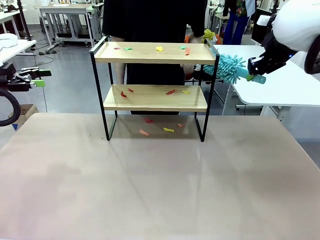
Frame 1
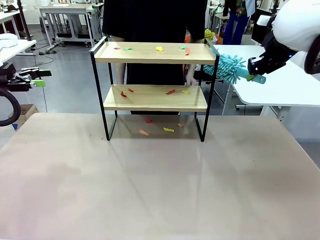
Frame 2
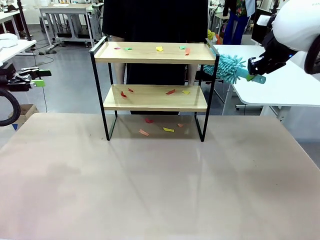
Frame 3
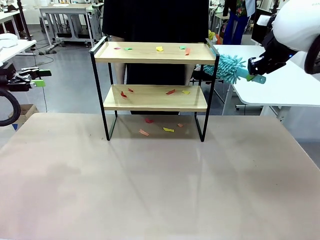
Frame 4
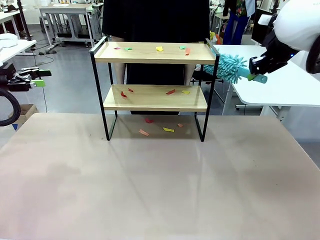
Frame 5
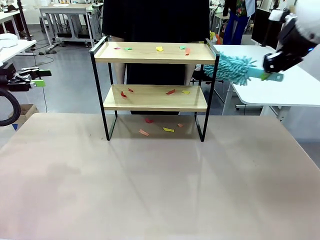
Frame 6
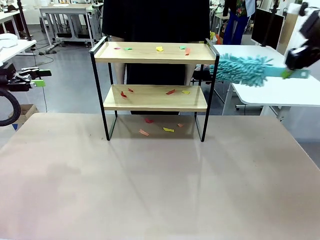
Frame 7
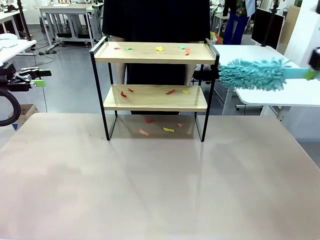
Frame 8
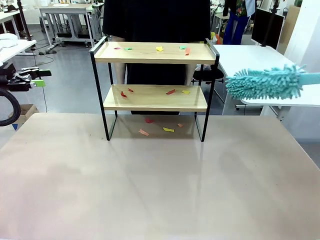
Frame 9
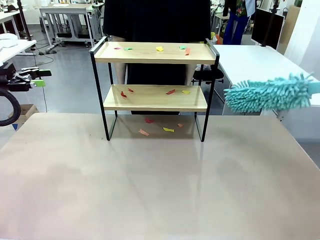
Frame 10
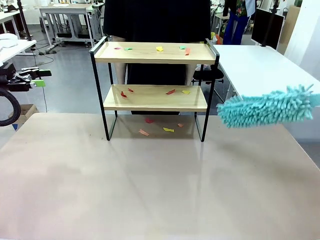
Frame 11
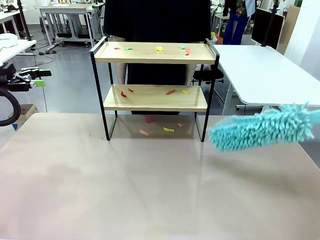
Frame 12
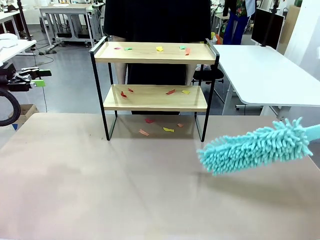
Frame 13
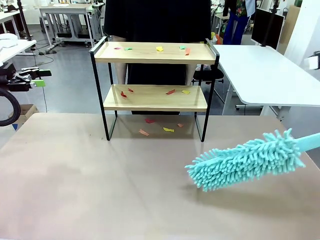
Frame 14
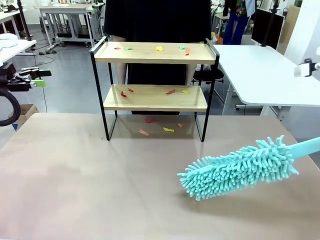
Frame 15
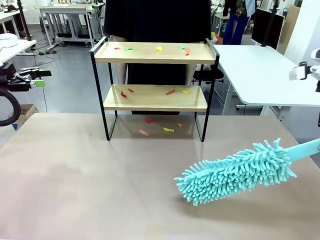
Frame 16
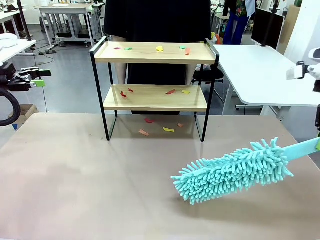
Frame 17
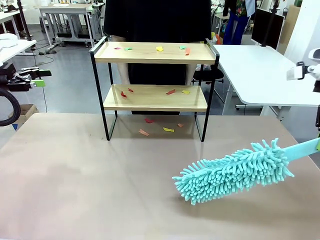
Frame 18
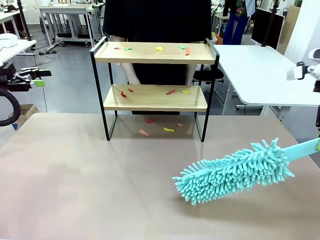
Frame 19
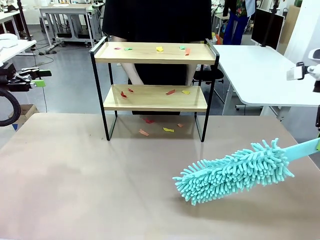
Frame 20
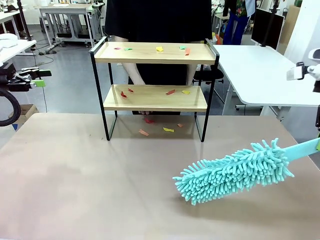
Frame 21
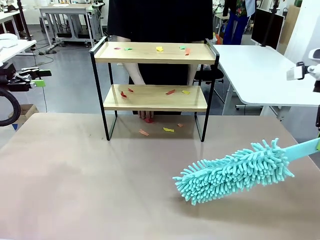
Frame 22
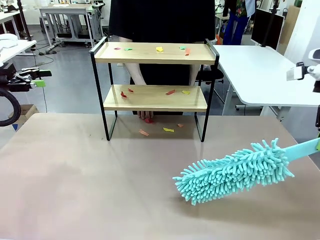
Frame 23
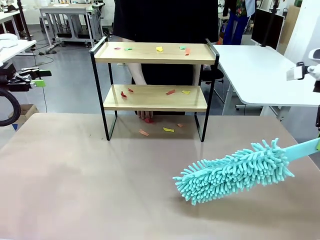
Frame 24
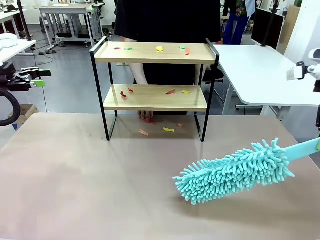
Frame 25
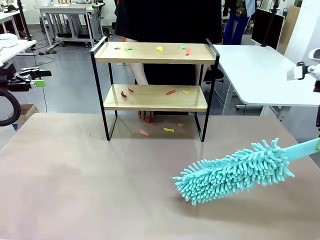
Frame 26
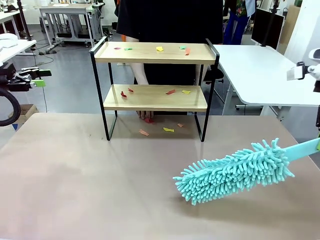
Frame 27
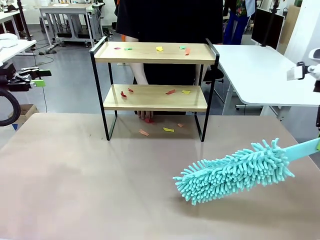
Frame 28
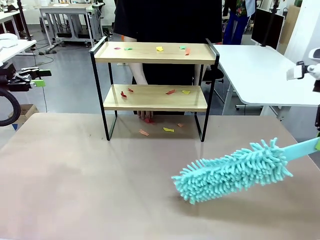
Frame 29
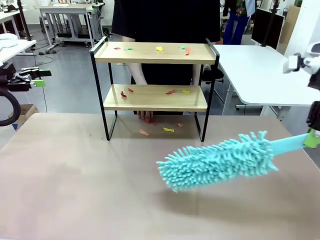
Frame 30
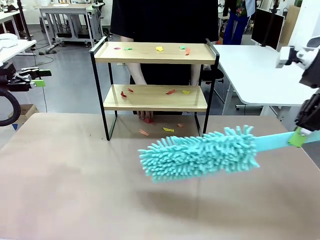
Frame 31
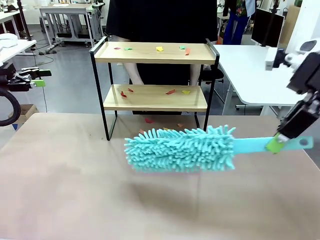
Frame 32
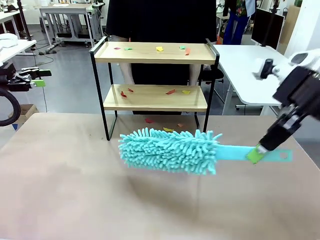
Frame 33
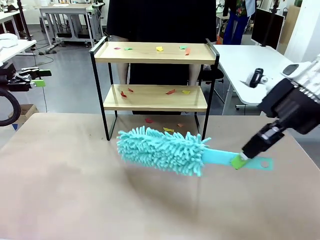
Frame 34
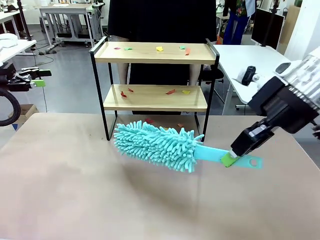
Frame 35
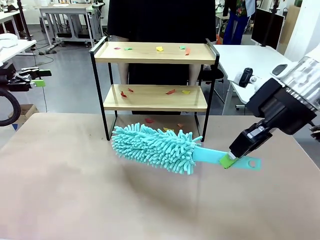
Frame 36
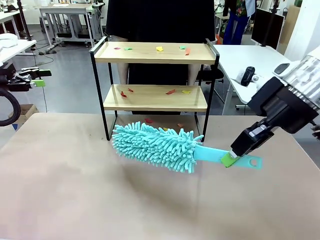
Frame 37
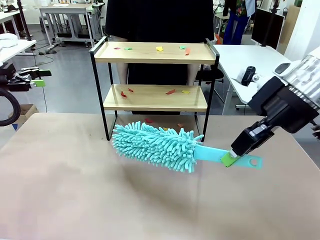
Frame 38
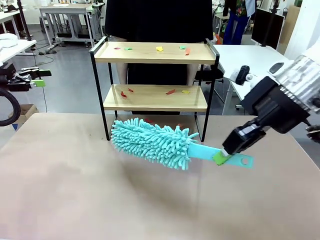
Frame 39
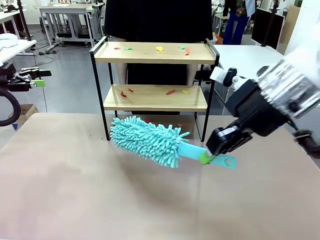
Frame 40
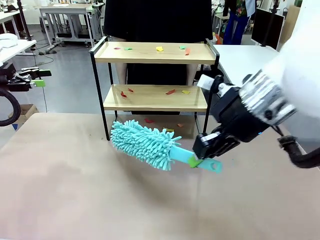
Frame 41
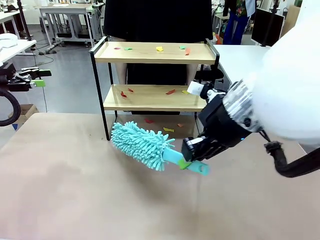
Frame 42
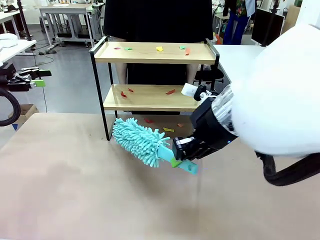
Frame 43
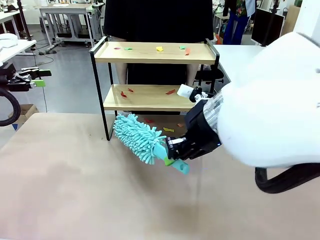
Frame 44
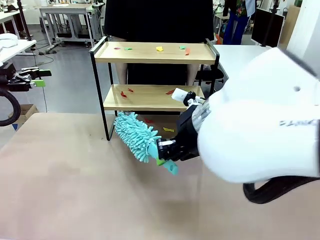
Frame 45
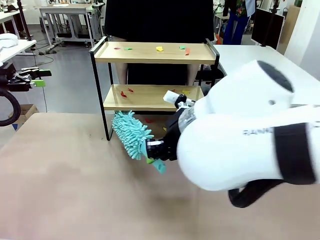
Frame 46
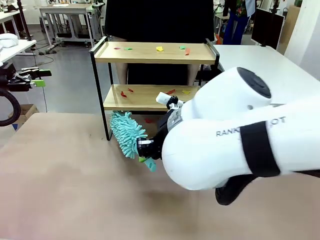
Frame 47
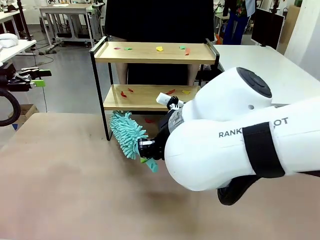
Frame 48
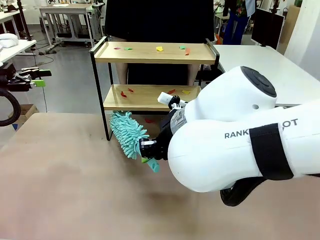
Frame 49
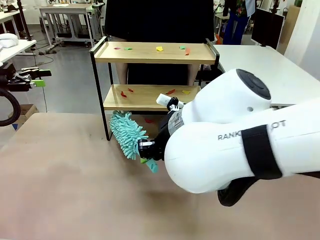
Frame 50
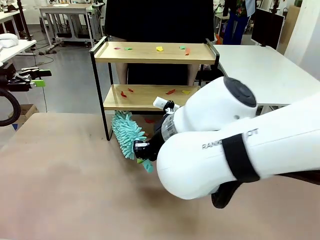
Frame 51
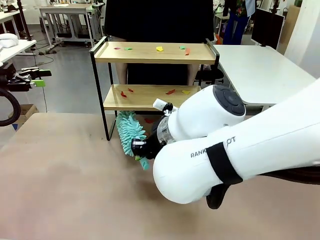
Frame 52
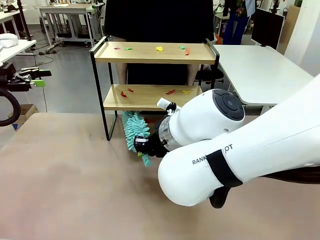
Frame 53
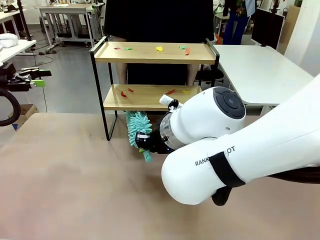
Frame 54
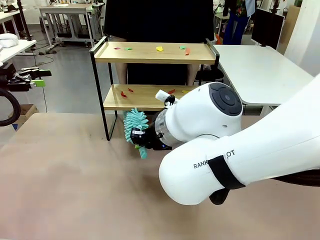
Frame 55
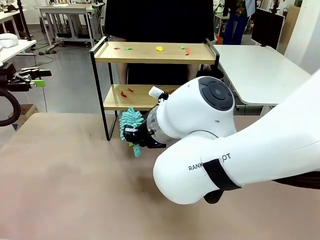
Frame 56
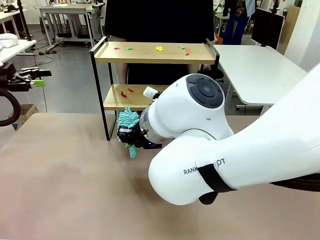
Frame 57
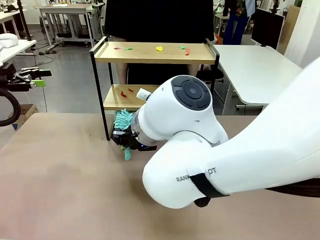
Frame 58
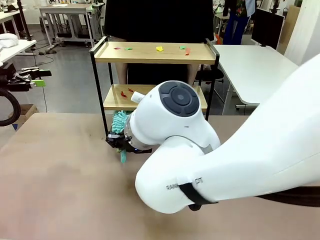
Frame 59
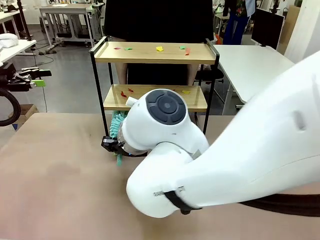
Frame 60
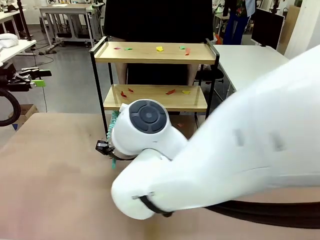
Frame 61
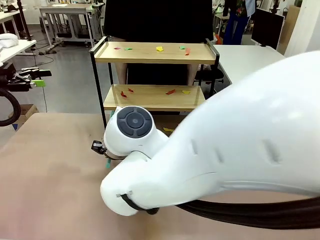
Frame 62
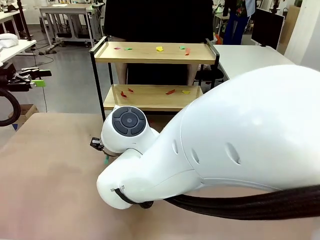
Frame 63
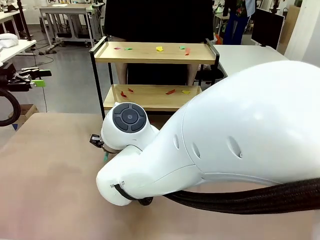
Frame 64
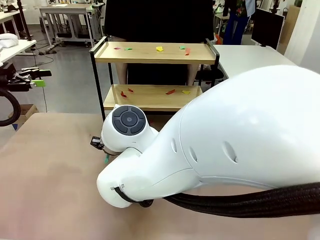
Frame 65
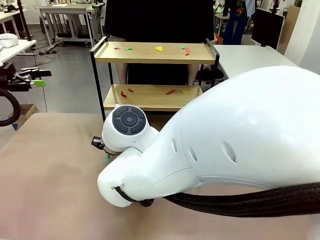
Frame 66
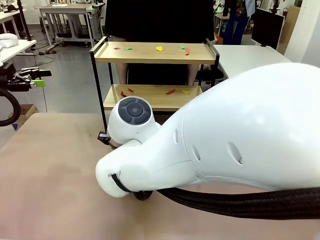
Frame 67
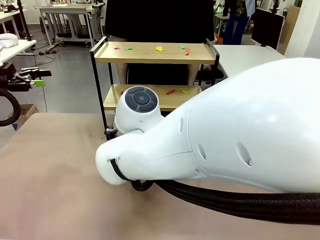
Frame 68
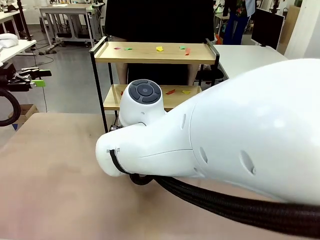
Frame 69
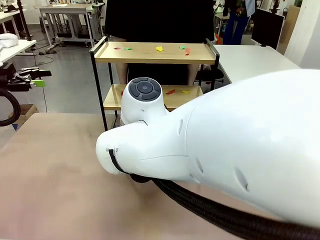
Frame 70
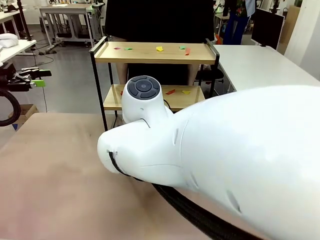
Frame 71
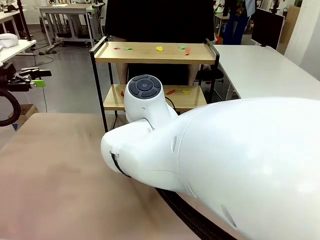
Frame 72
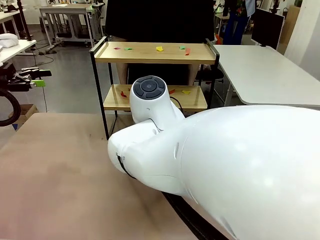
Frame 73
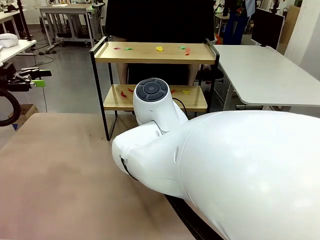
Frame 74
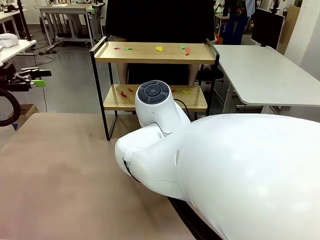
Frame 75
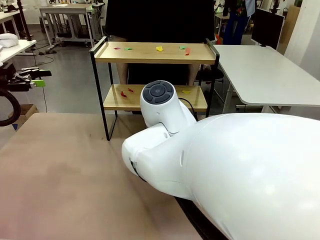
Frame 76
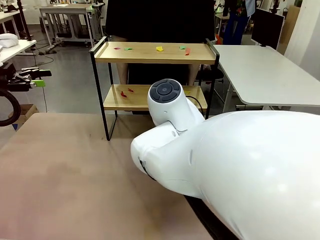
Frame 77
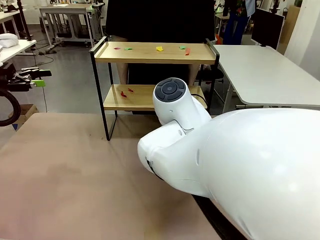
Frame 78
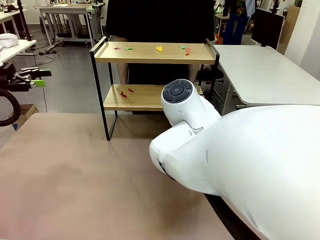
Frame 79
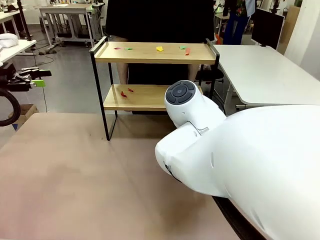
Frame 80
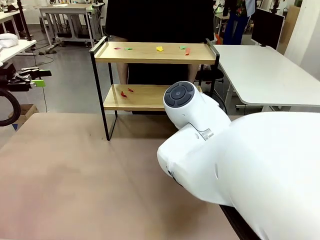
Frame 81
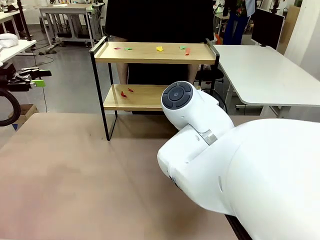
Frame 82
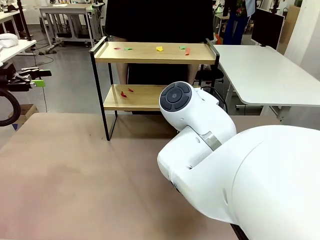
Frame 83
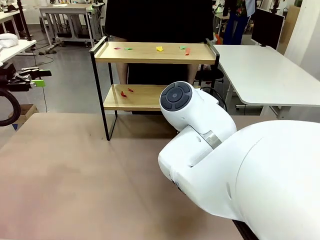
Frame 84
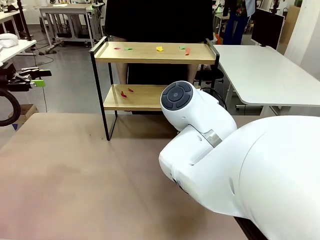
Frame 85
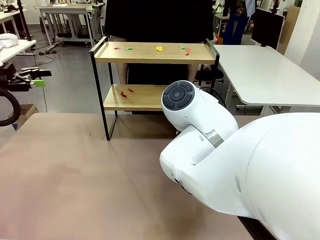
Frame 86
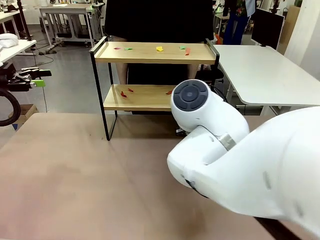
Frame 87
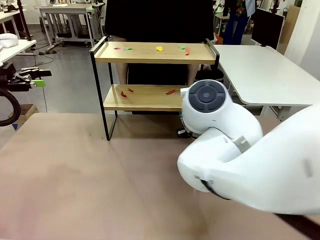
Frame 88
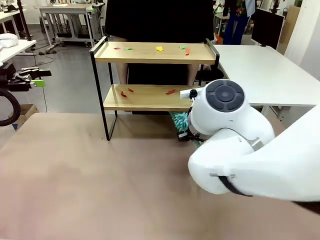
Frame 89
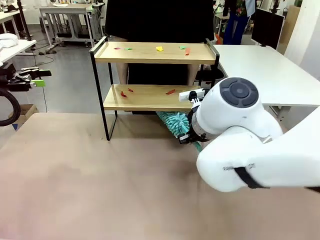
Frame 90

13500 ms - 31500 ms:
Task: Clean the shelf.
Robot: Clean the specific section of the Shelf indicated by the human with the Duster.
Person: Point a random section of the Shelf.

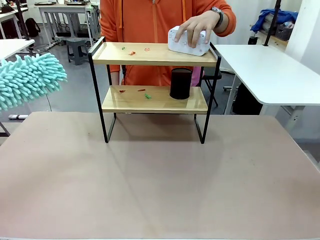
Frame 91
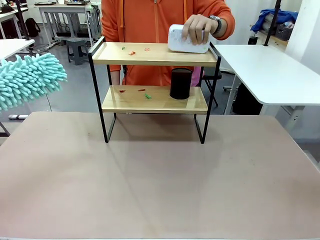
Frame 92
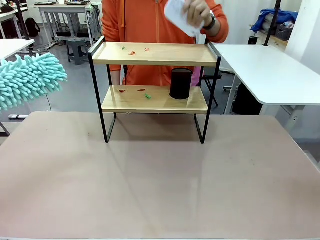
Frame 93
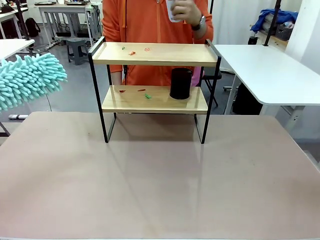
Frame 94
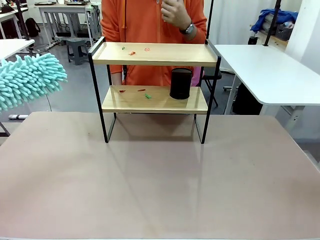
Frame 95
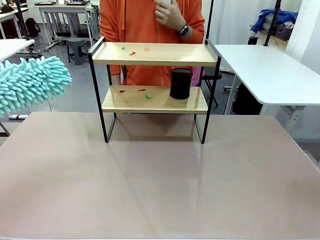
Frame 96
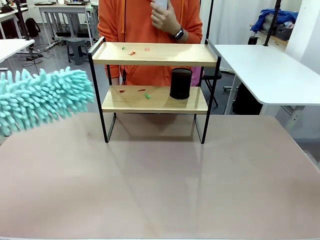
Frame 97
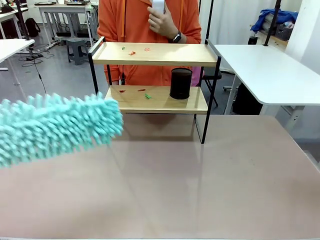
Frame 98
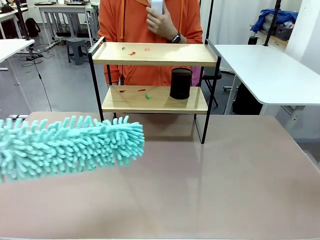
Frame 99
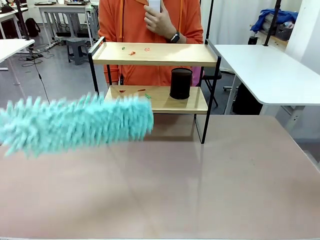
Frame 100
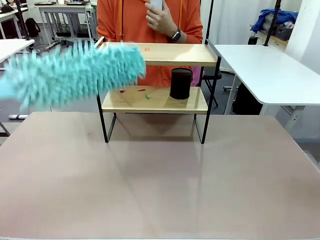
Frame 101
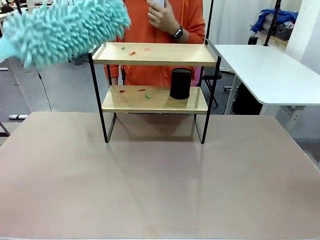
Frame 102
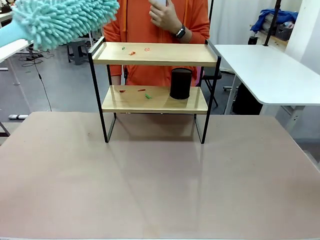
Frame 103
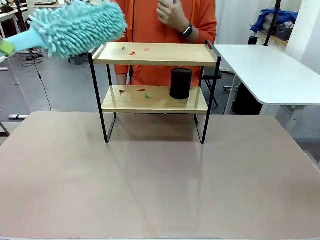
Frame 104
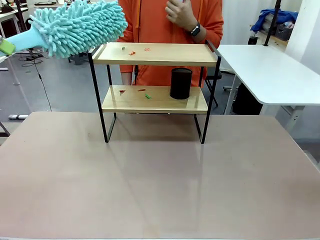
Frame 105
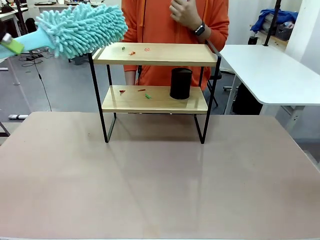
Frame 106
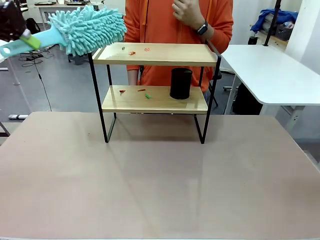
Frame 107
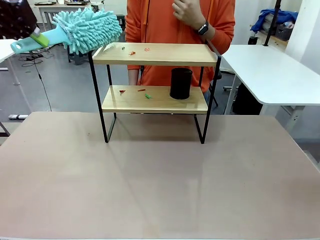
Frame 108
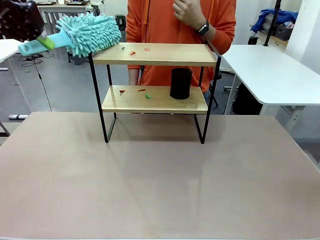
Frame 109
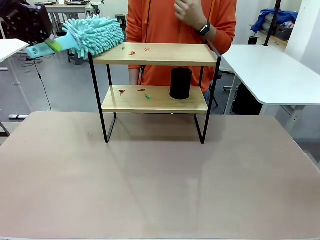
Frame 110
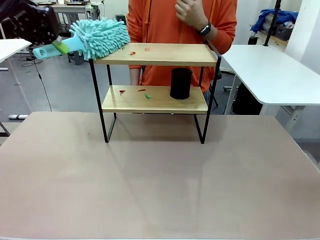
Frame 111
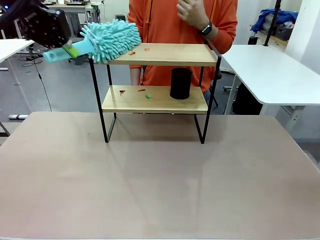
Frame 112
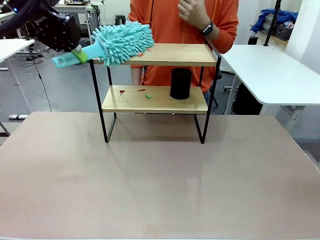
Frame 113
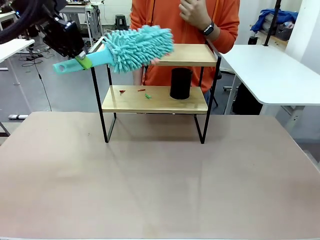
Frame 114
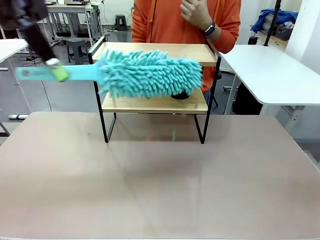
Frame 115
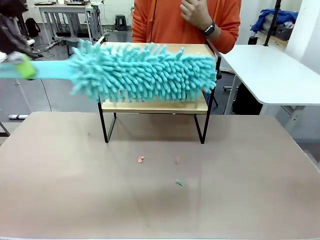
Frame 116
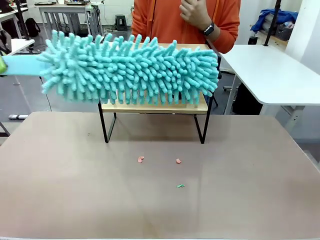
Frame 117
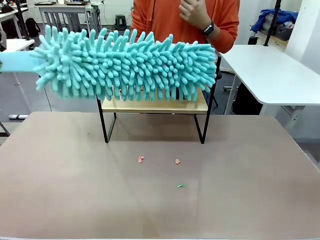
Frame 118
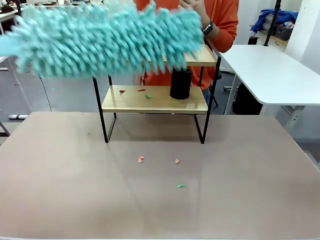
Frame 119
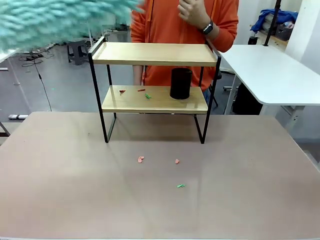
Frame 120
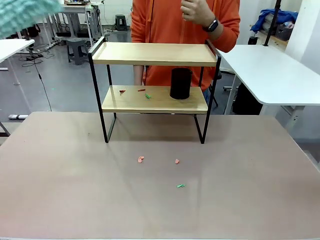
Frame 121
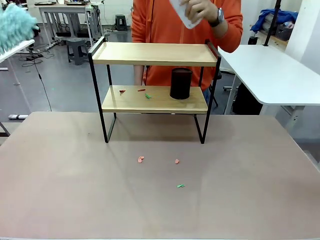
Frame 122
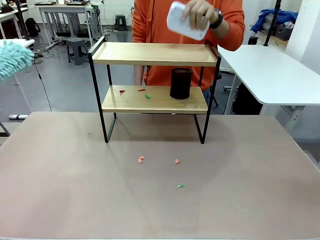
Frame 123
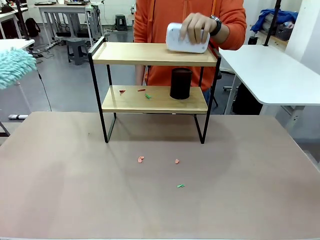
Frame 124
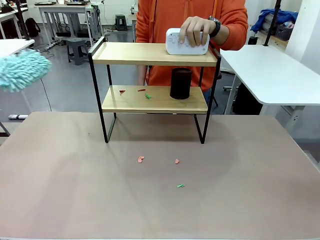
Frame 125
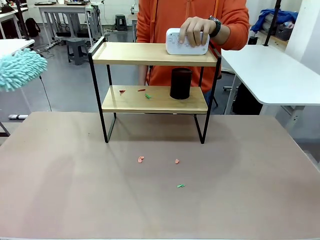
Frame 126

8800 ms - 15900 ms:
Task: Clean the shelf.
Robot: Clean the specific tier of the Shelf with the Duster once objects are removed.
Person: Once the robot finishes cleaning, lift the objects on the remaining tiers of the Shelf.
